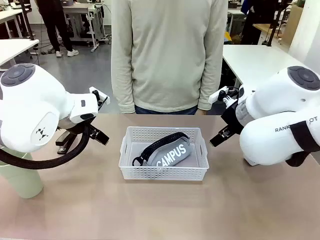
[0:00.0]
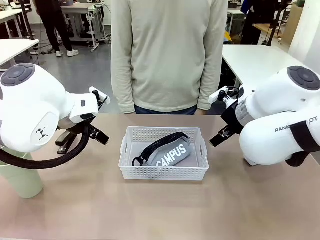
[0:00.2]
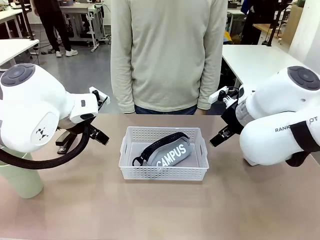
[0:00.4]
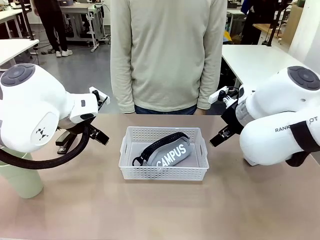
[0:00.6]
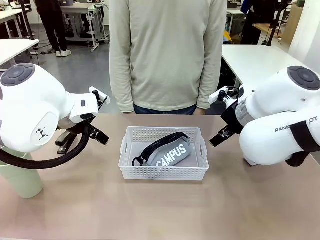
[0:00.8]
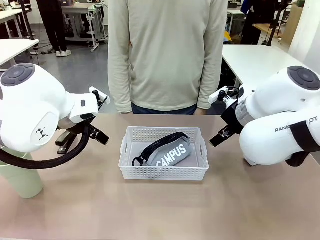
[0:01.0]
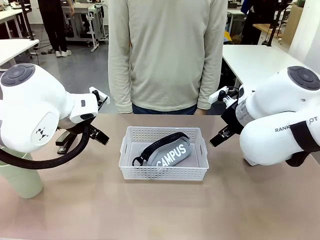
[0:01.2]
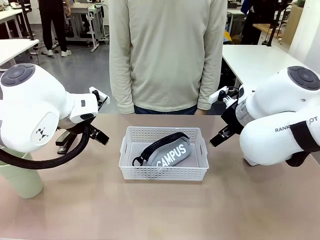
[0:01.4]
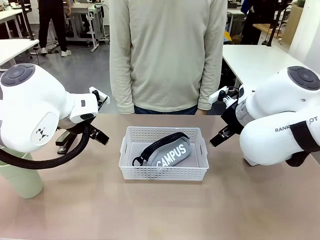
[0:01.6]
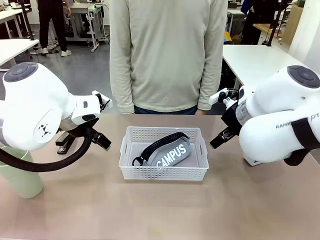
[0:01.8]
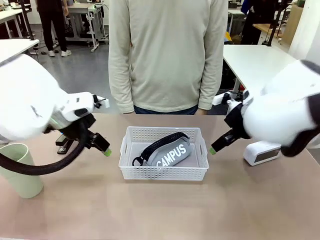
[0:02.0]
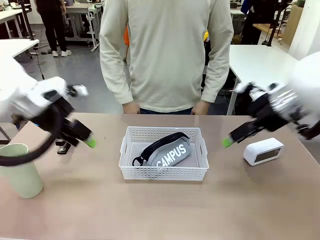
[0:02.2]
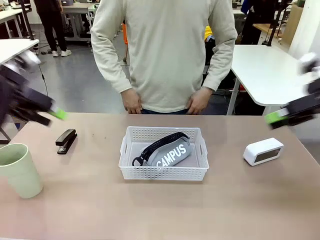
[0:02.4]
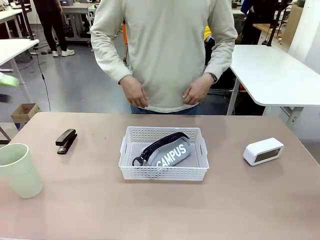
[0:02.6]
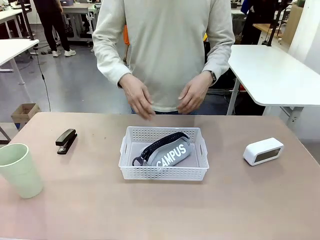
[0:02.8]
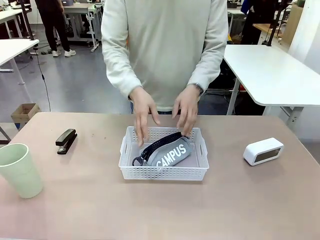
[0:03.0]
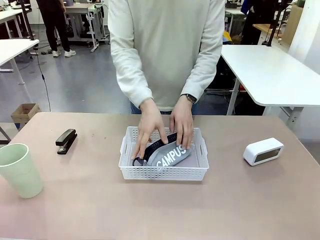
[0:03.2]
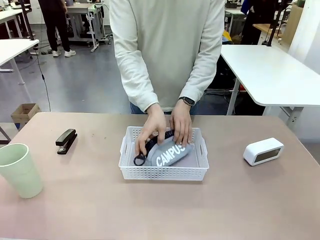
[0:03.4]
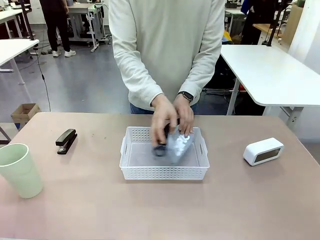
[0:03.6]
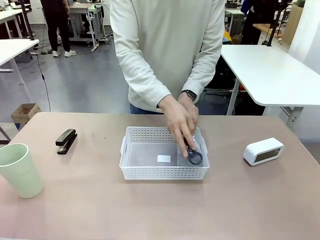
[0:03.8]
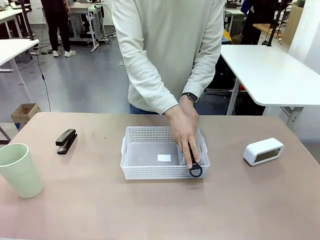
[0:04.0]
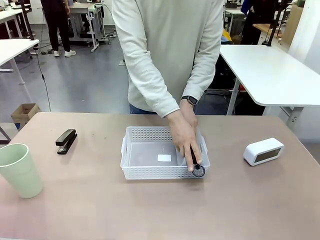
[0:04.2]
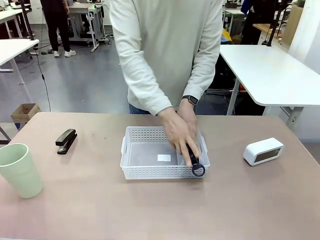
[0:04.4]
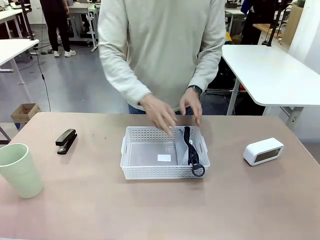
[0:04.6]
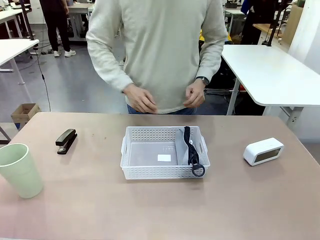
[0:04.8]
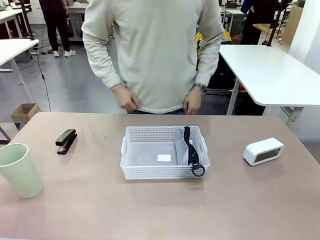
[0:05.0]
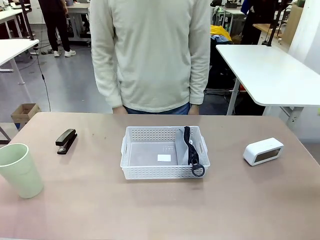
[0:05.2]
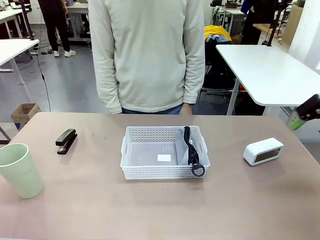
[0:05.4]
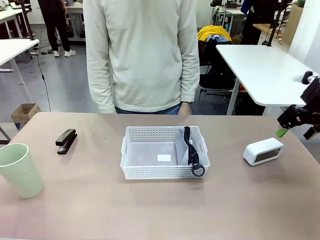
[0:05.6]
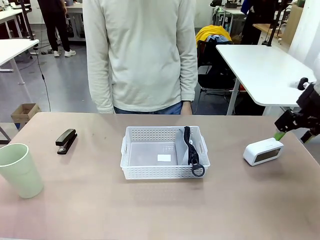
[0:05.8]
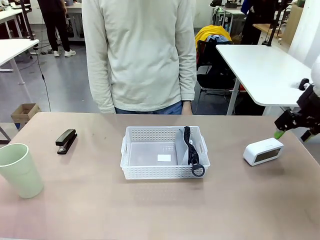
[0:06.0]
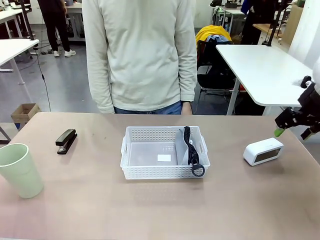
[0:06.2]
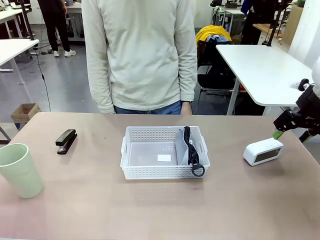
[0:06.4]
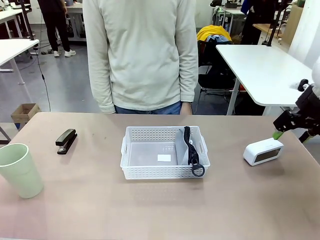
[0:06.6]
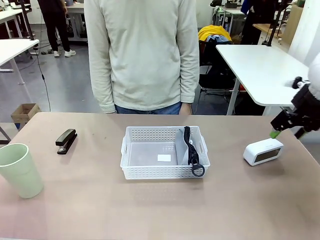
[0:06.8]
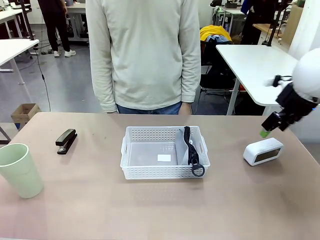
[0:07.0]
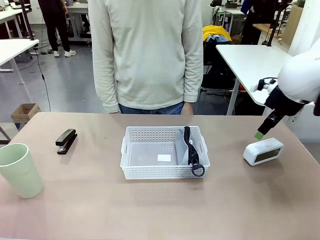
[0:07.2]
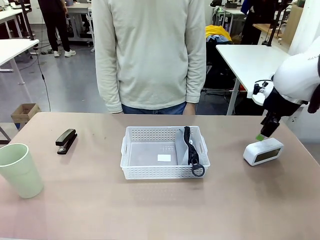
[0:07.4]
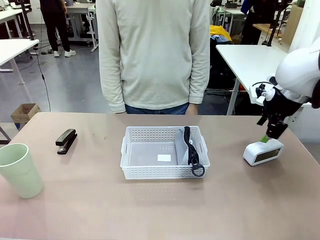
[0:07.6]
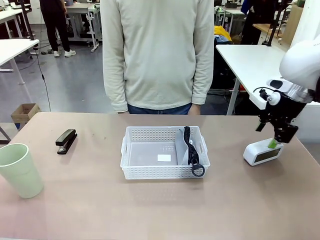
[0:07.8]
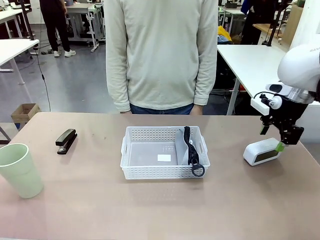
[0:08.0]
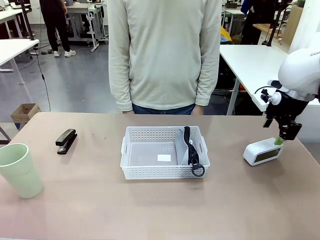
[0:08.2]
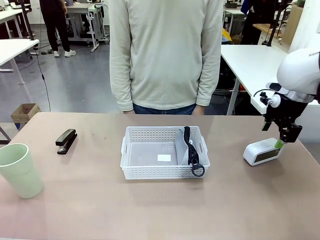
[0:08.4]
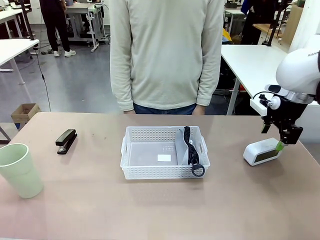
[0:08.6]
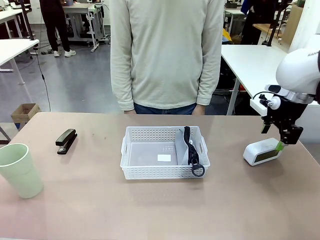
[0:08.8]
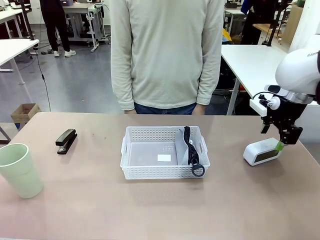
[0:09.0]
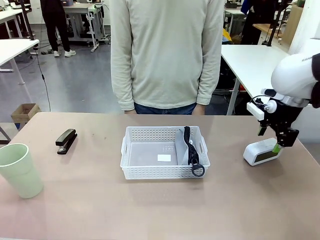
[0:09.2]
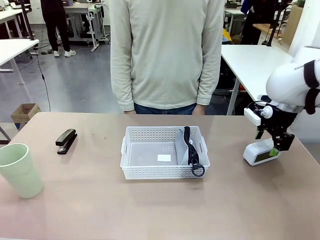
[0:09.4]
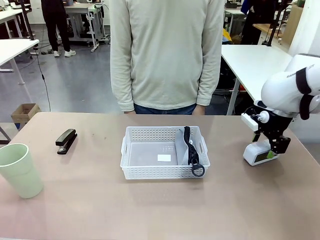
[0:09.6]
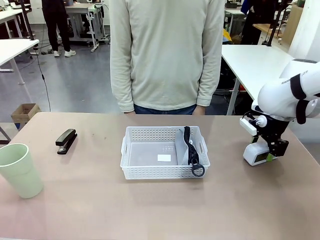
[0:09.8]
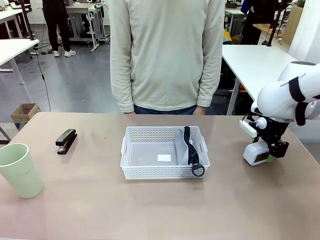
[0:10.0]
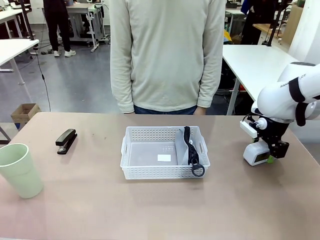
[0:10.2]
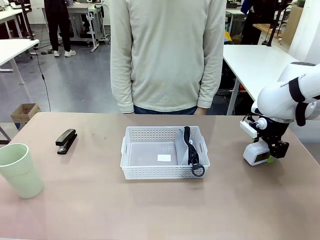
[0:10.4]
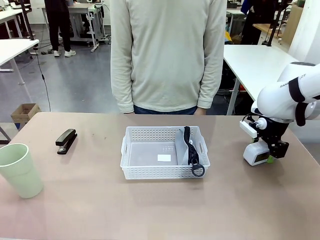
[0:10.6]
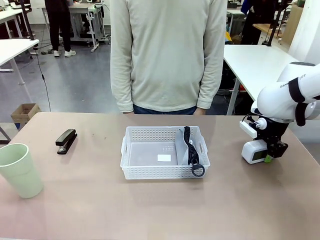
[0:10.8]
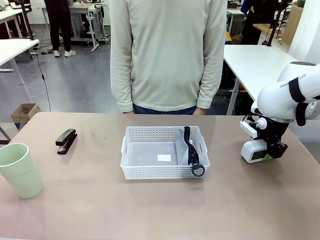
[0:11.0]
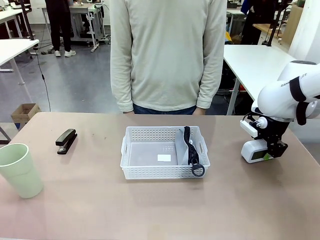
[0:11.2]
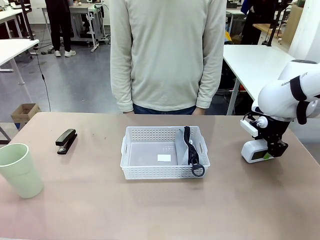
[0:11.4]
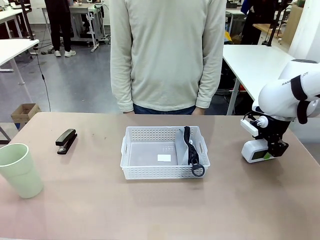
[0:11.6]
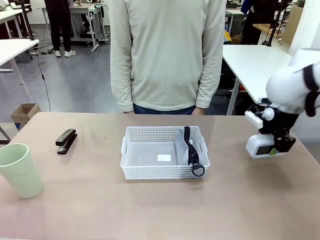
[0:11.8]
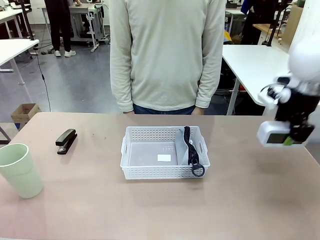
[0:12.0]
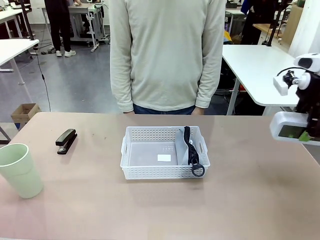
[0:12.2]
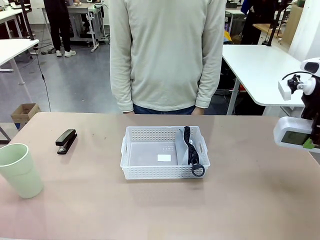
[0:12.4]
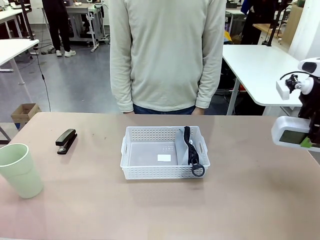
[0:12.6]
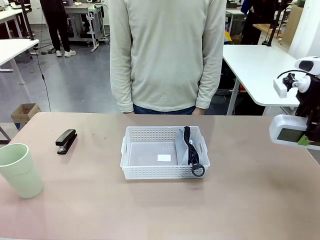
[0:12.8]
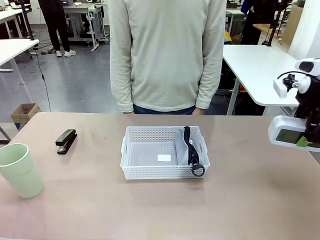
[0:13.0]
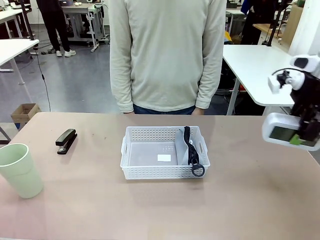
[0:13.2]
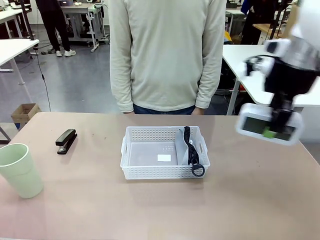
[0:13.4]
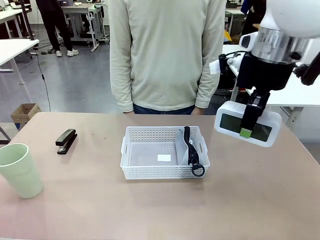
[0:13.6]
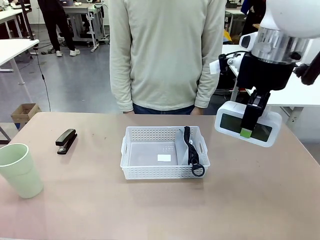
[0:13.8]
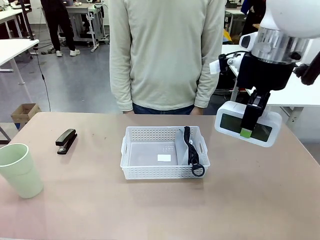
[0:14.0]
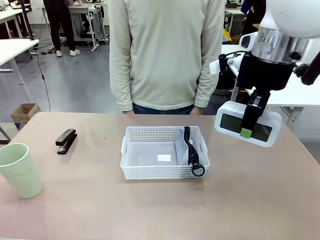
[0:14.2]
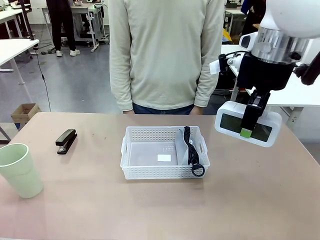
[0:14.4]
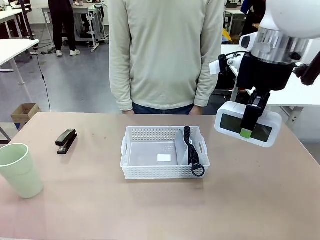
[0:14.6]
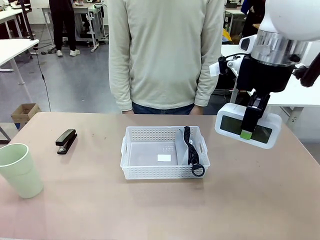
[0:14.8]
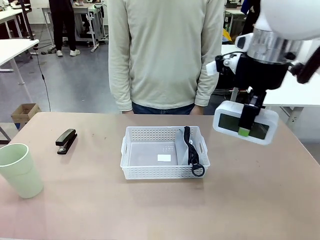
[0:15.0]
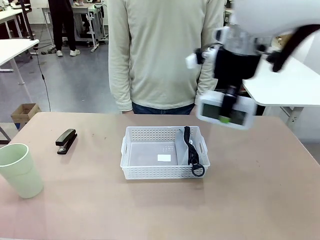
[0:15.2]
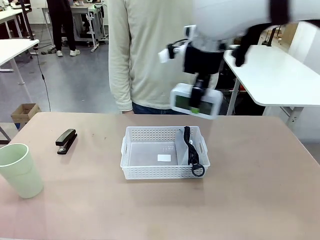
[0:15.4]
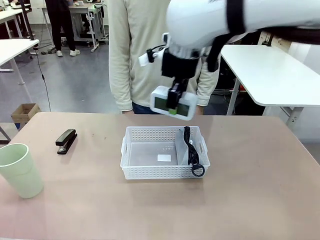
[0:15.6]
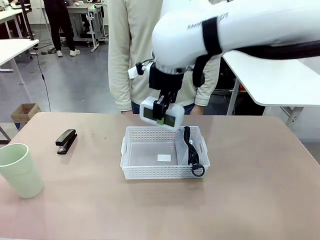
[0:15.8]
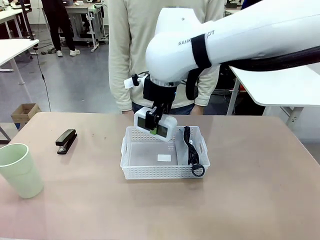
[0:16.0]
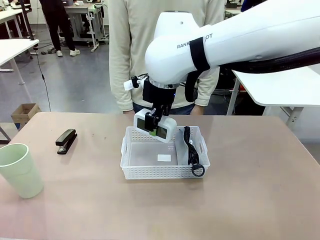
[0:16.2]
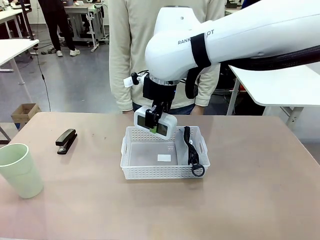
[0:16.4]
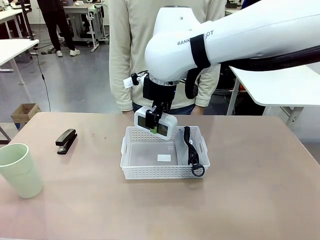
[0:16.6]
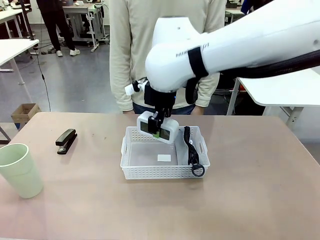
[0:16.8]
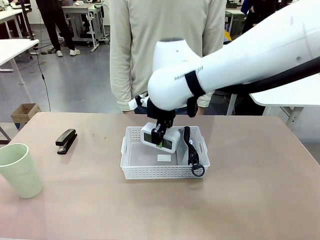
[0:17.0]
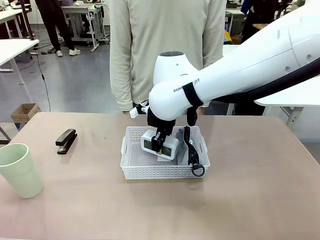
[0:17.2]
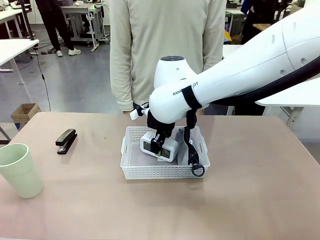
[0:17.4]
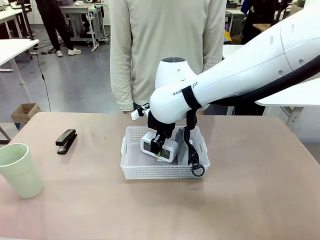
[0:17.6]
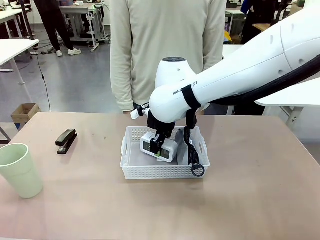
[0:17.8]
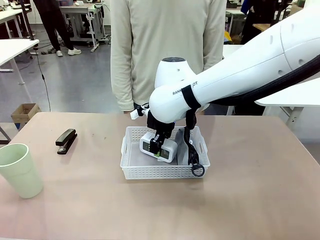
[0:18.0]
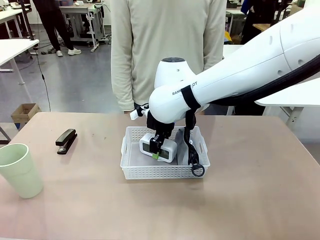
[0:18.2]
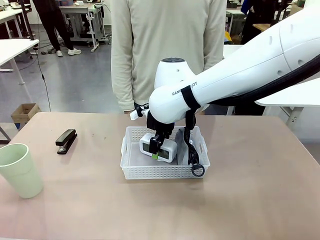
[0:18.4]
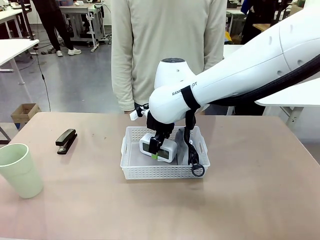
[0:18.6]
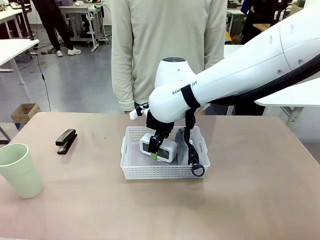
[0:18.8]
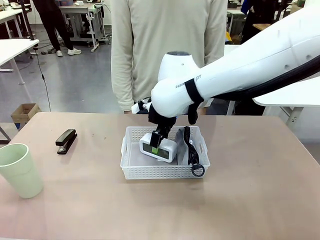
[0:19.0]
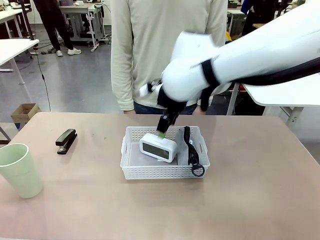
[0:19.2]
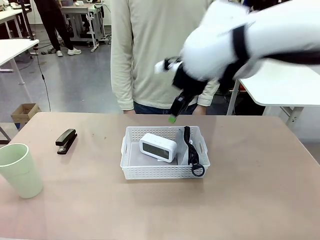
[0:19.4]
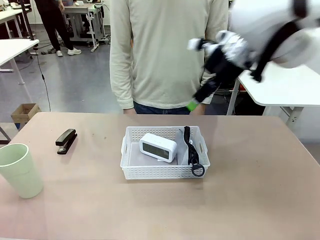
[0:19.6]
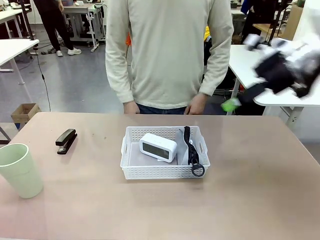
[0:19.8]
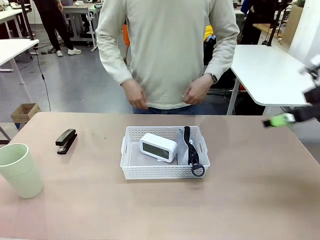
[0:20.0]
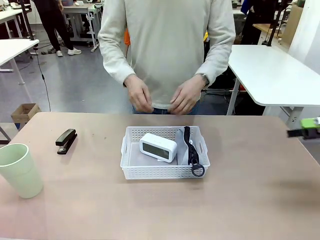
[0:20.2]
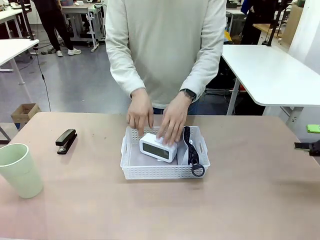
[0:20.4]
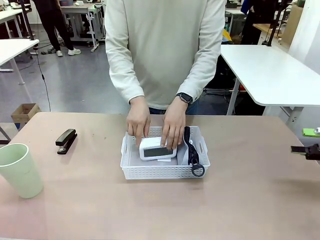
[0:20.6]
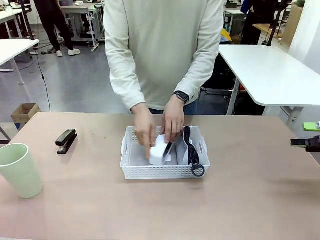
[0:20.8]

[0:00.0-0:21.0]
Task: Efficiently arrange items inside the basket to fit them all.
Robot: Pick up the Digital clock and place it inside the Organizing basket.
Person: Repositions the pencil case. Repositions the digital clock.
